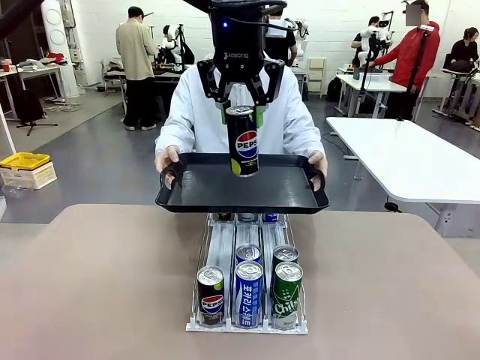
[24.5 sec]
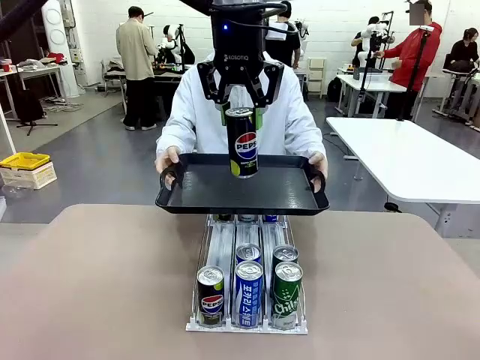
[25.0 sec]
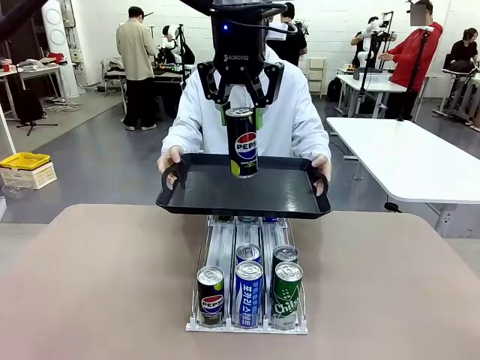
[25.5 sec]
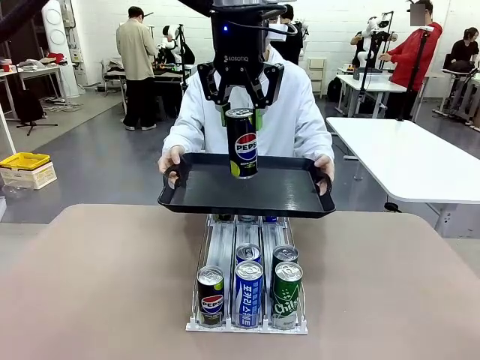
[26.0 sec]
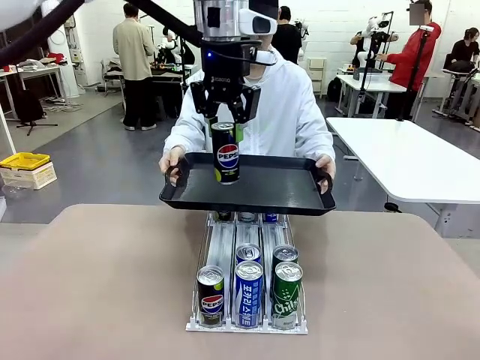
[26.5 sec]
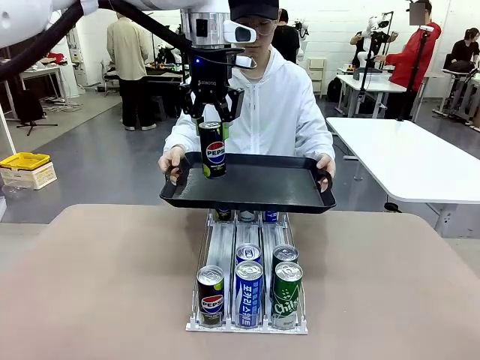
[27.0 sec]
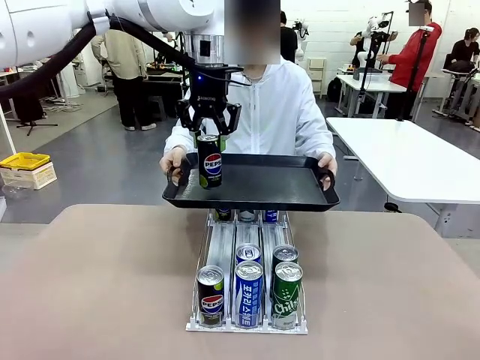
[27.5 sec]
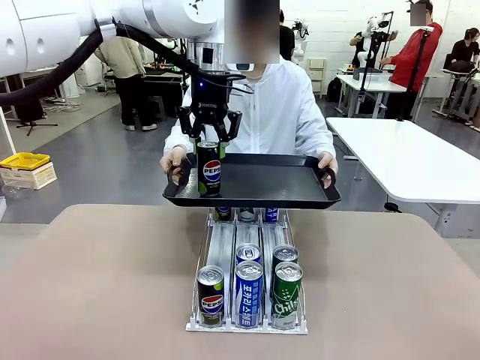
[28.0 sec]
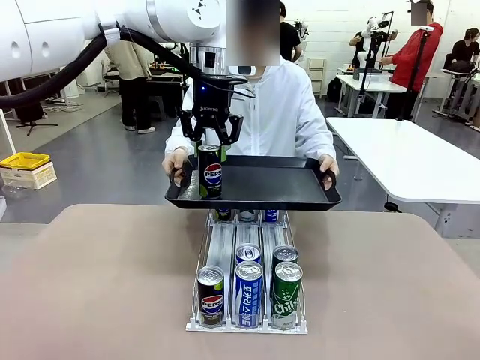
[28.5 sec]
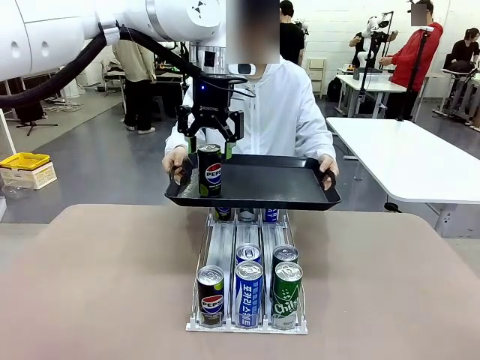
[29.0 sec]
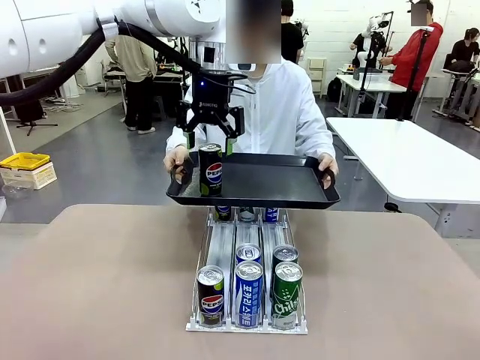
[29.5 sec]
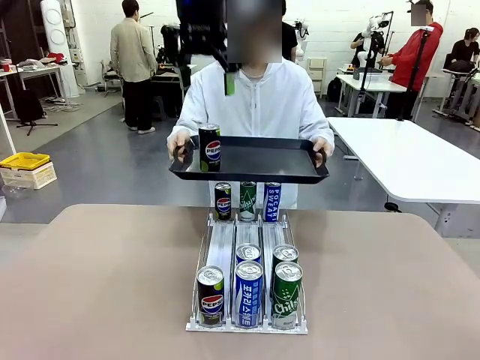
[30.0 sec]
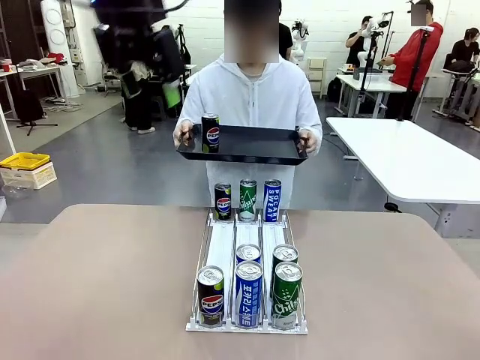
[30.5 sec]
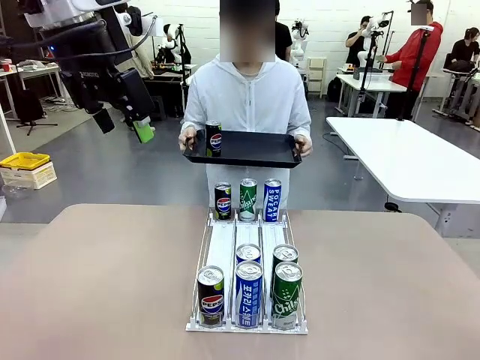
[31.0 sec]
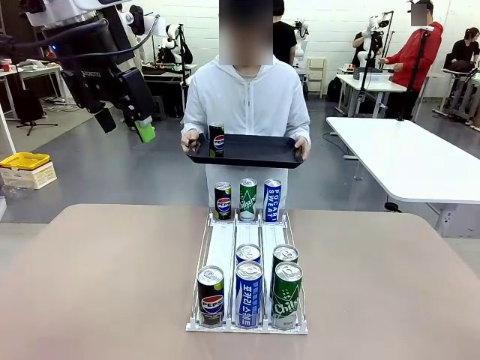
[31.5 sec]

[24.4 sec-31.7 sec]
Task: Retrieve and hand over the desired beverage to the person.
Robot: Place the picked can on the Handle tray extended by the person.
Person: Pull the tray back, then pick up another can from the bottom area of the table and puts it back in its original place.

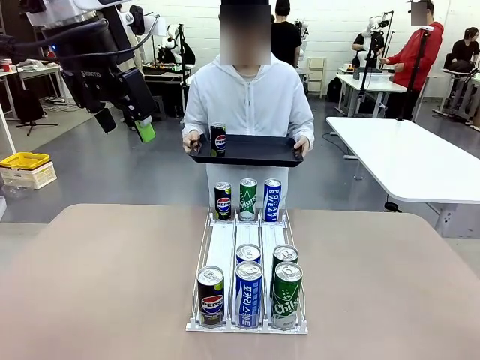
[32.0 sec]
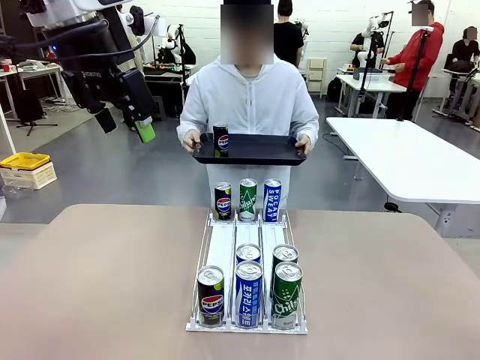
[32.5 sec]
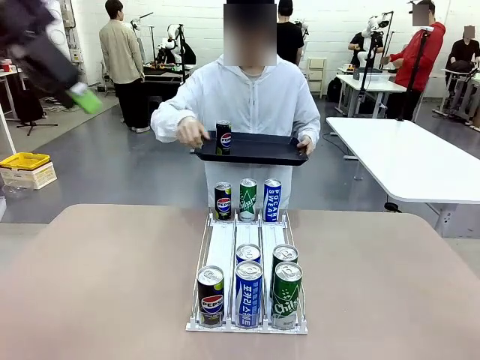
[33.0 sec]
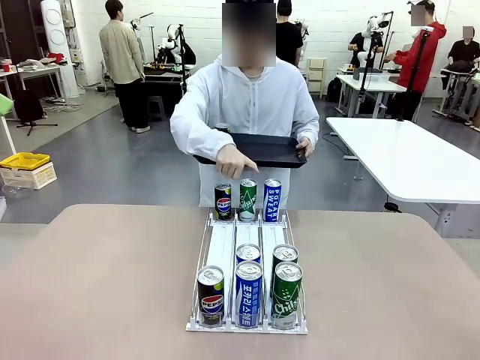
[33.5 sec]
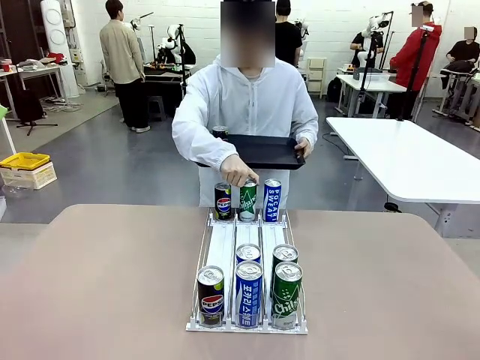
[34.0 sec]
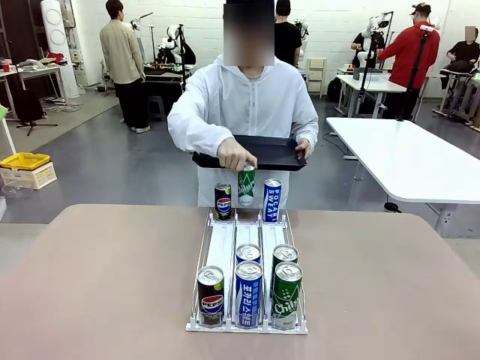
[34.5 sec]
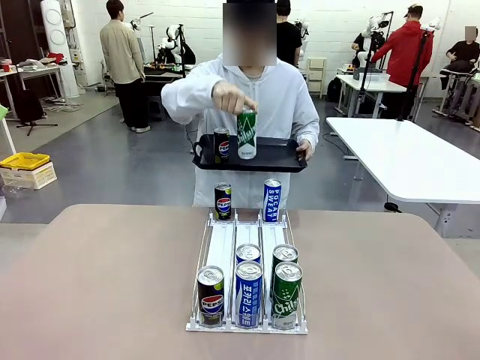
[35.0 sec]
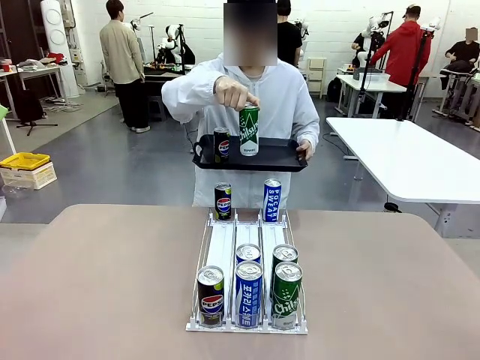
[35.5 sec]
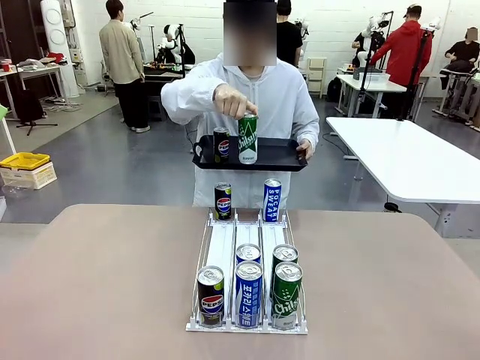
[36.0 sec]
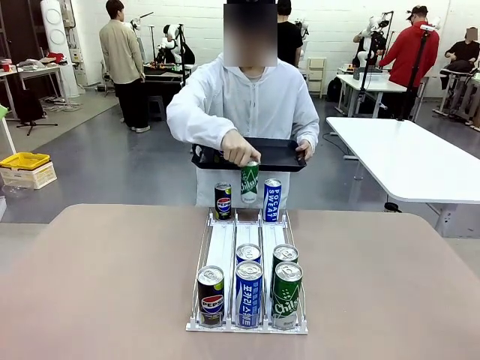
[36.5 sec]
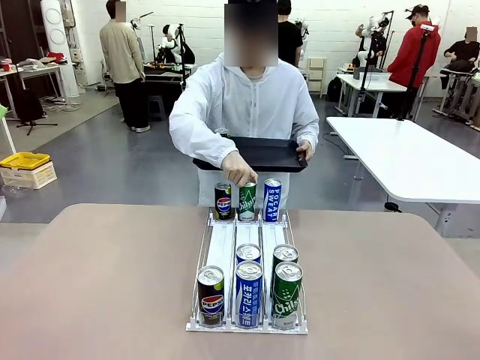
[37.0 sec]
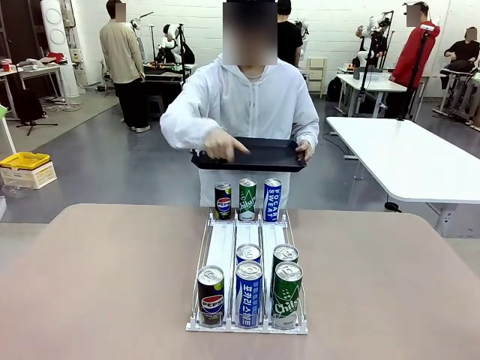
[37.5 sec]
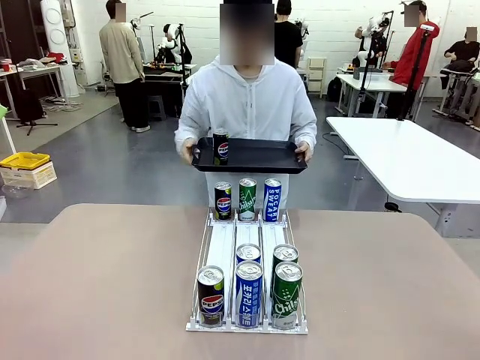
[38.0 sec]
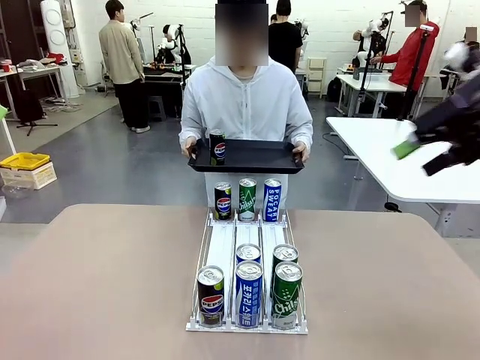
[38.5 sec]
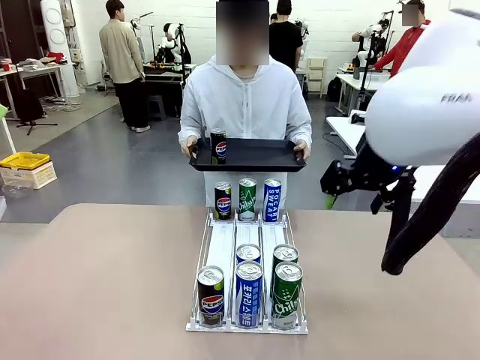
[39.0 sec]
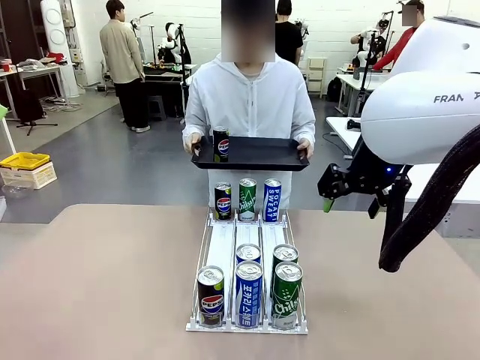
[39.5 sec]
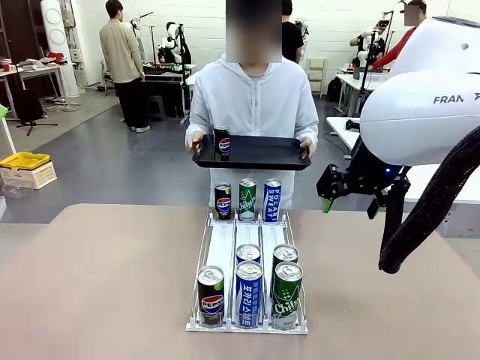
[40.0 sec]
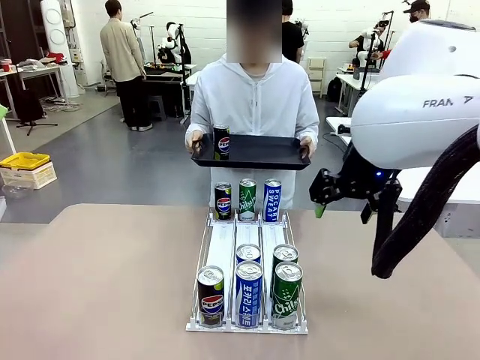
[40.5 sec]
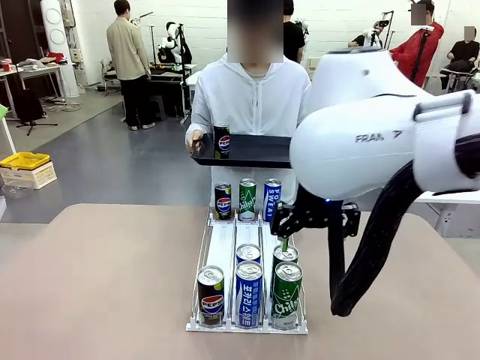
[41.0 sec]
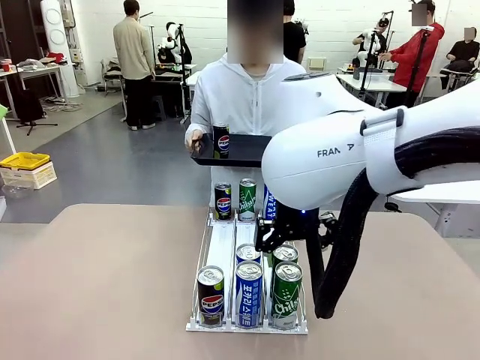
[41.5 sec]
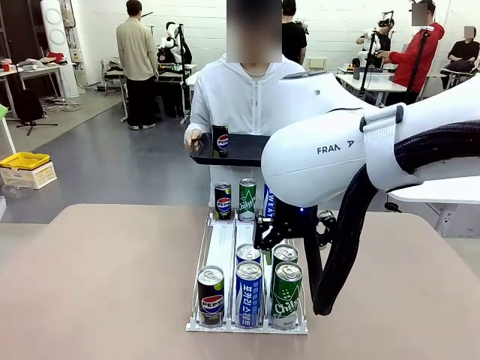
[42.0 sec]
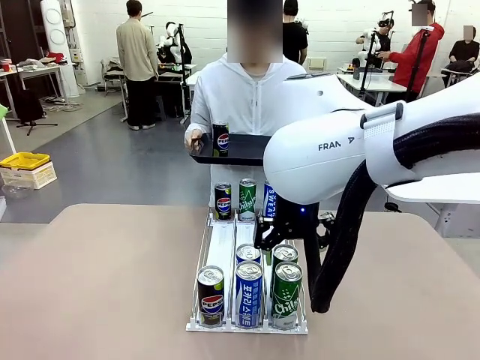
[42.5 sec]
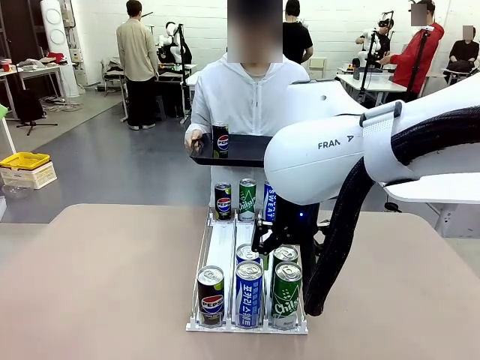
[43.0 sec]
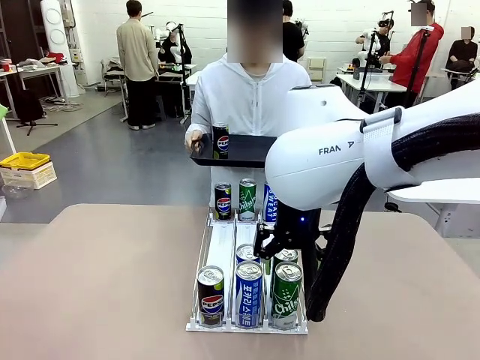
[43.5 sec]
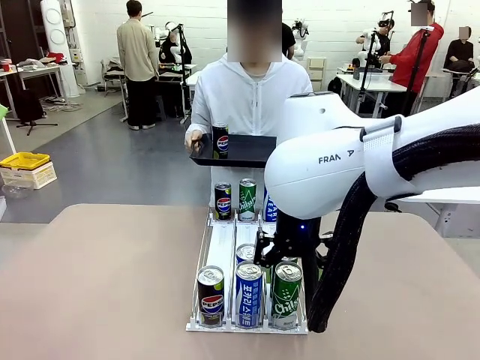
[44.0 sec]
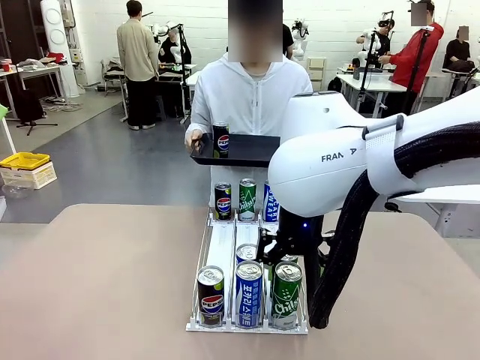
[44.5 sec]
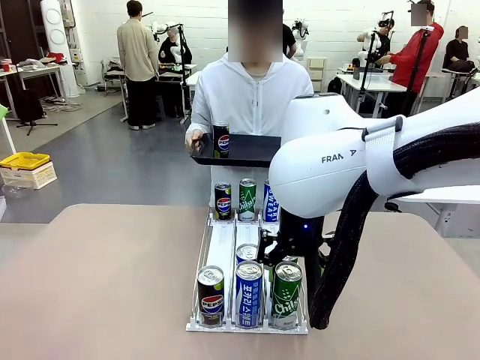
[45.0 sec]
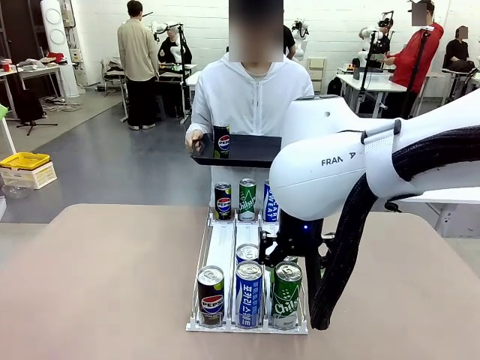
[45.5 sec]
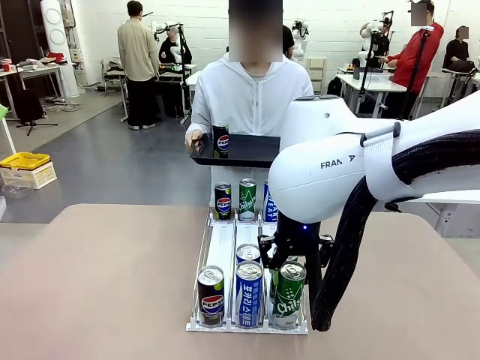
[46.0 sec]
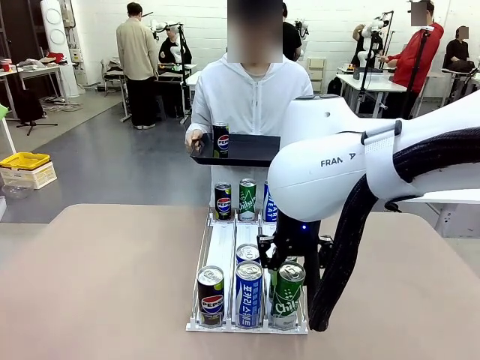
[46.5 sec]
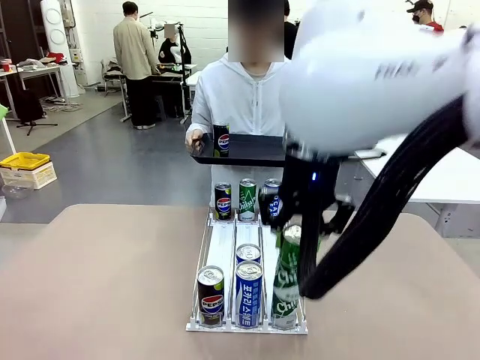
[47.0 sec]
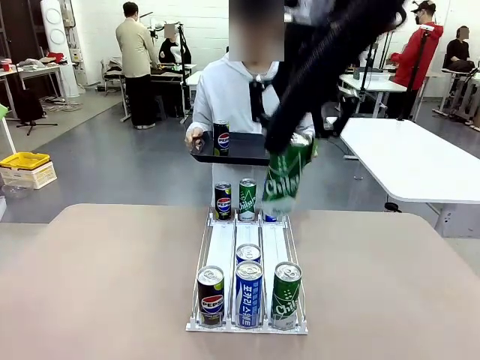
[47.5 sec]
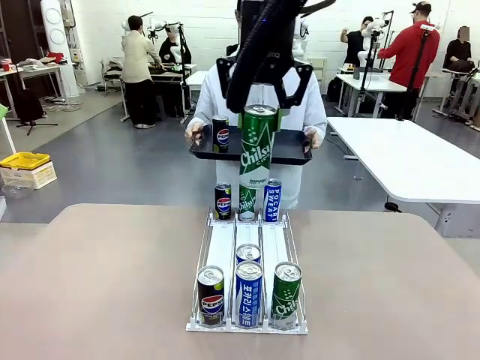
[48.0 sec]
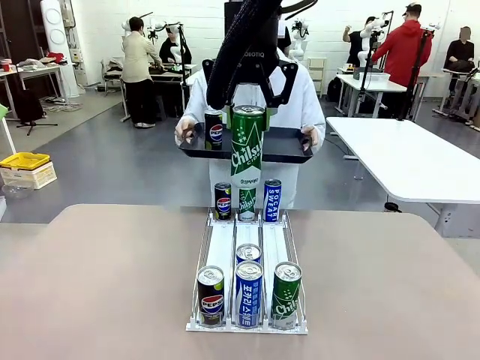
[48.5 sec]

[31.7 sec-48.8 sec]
Robot: Pick up another can of the same type that the person held from the Automatic Can Dispenser.
Person: Push the tray toward the robot again.
